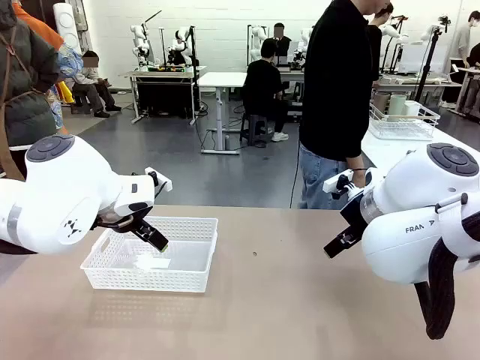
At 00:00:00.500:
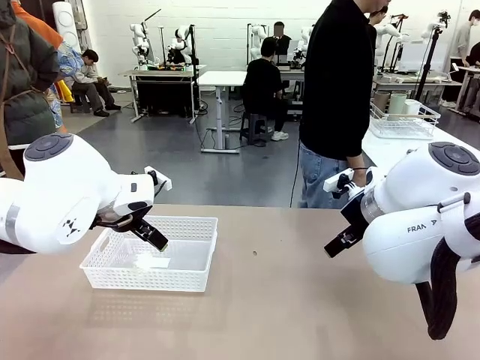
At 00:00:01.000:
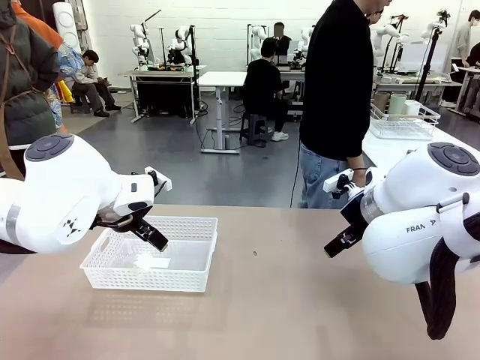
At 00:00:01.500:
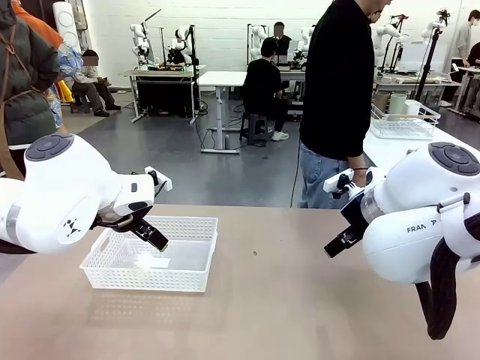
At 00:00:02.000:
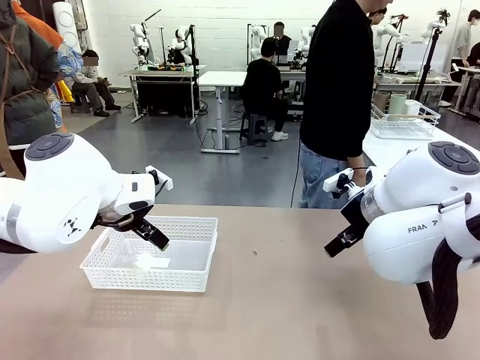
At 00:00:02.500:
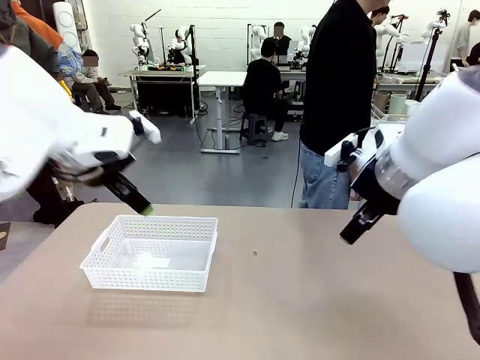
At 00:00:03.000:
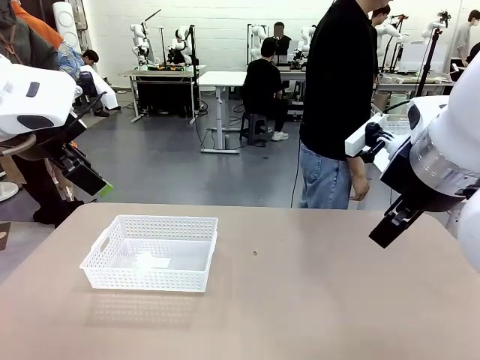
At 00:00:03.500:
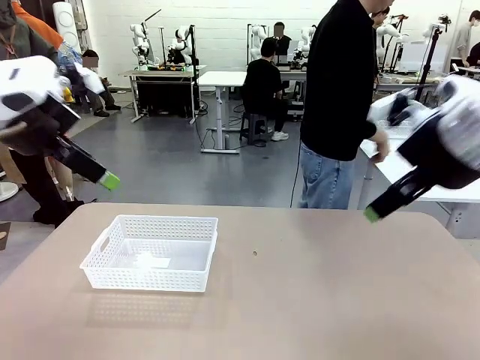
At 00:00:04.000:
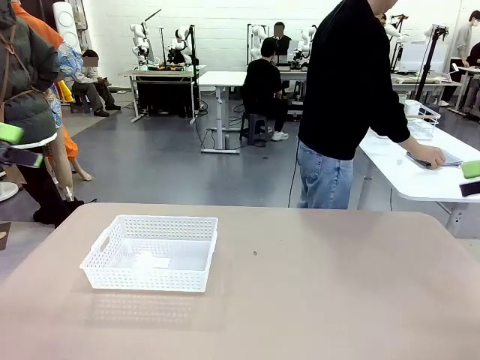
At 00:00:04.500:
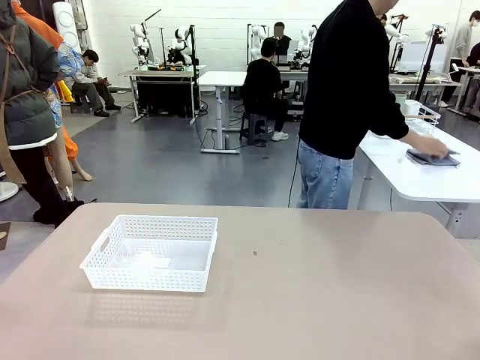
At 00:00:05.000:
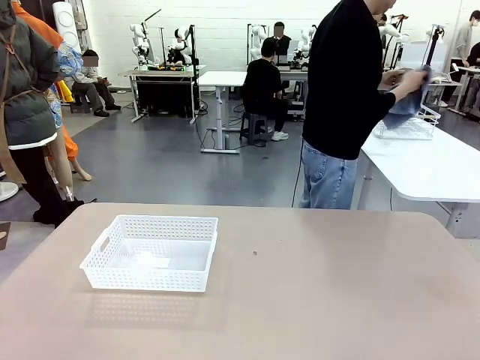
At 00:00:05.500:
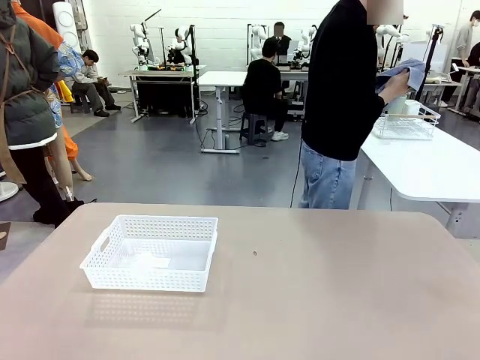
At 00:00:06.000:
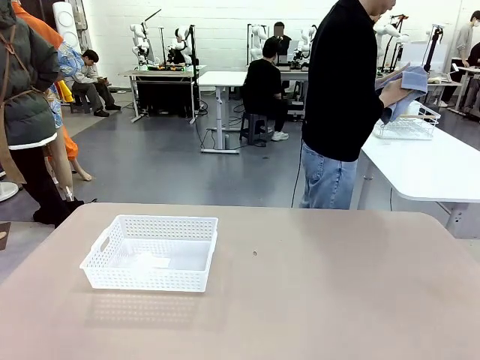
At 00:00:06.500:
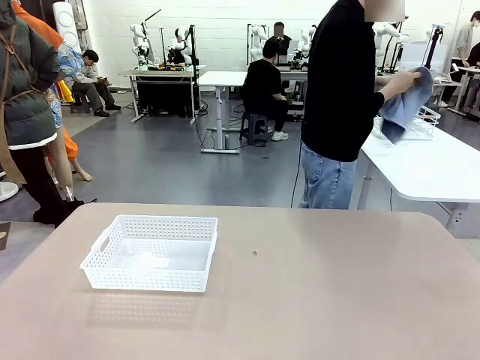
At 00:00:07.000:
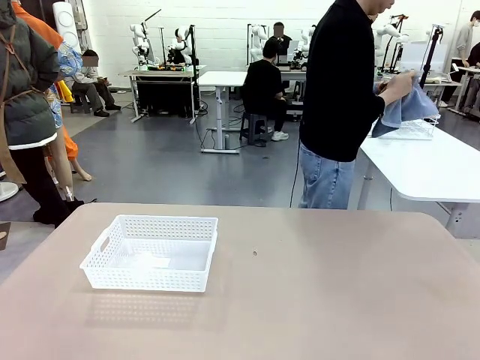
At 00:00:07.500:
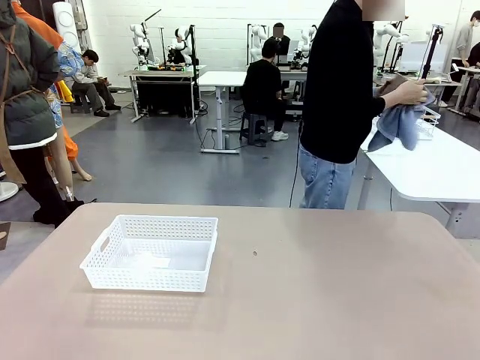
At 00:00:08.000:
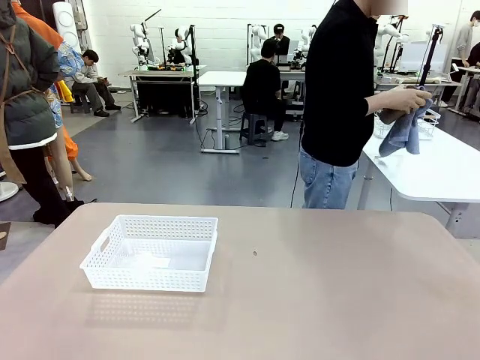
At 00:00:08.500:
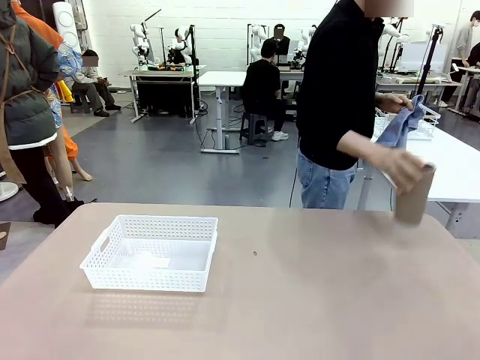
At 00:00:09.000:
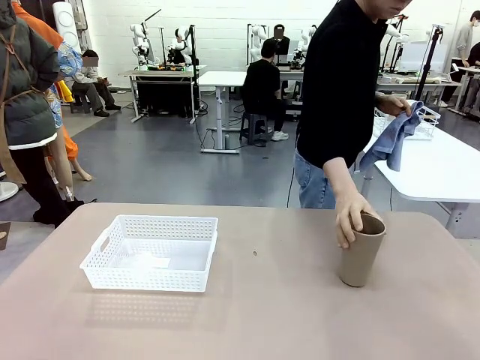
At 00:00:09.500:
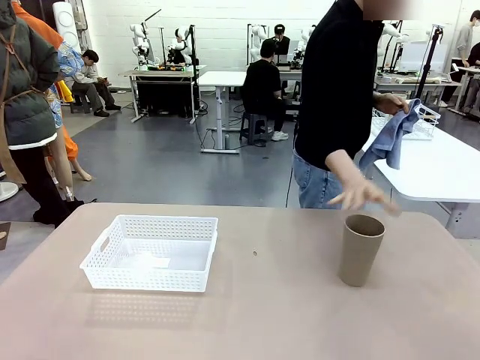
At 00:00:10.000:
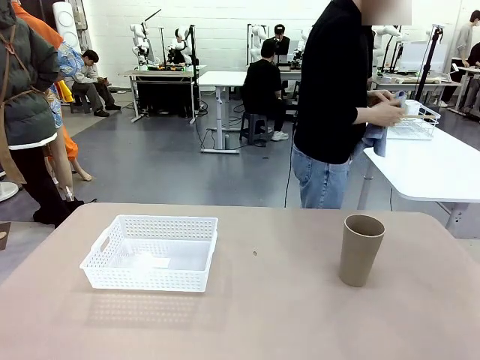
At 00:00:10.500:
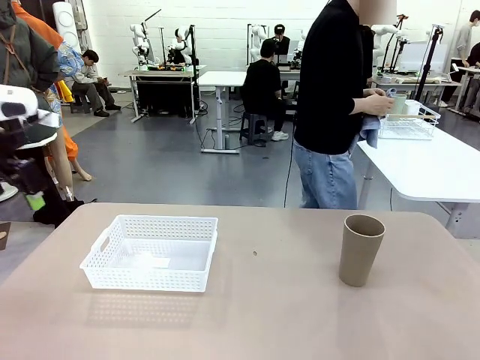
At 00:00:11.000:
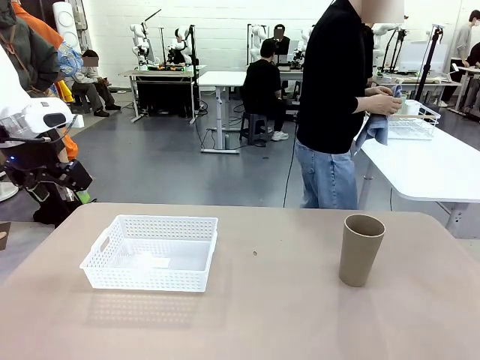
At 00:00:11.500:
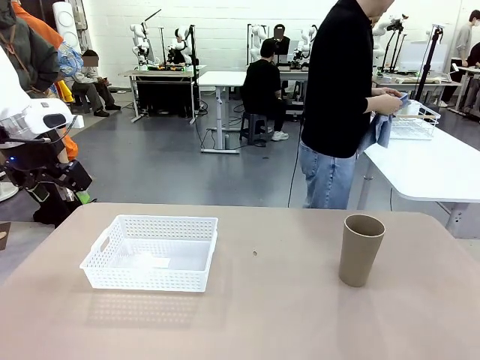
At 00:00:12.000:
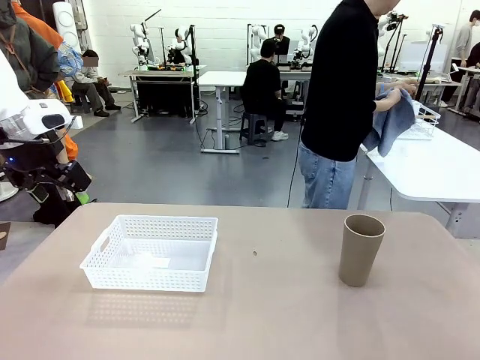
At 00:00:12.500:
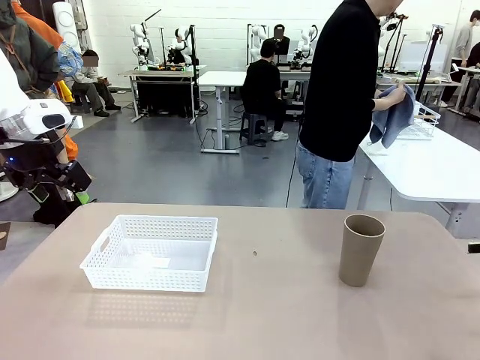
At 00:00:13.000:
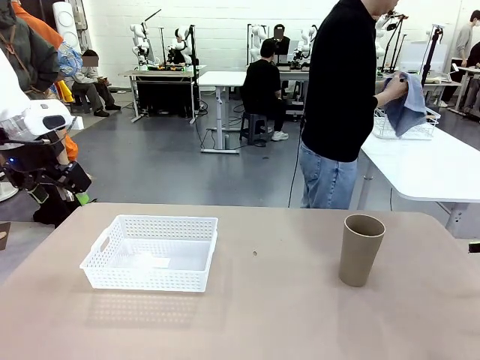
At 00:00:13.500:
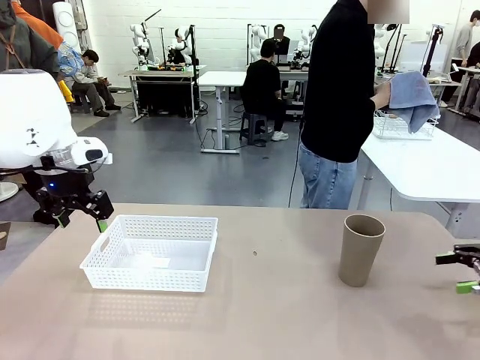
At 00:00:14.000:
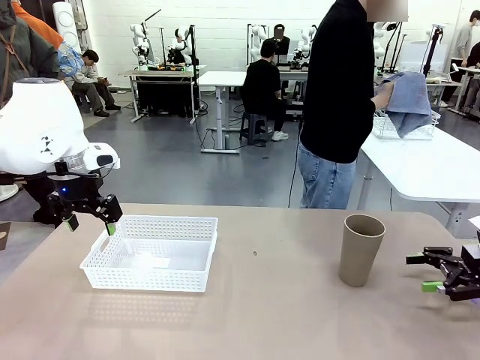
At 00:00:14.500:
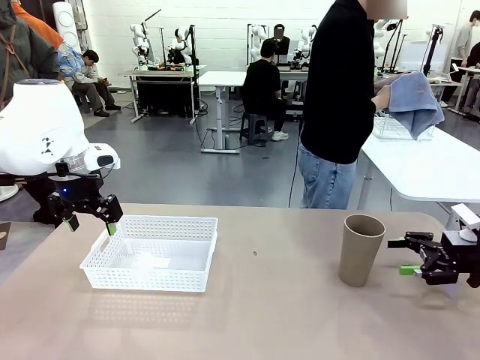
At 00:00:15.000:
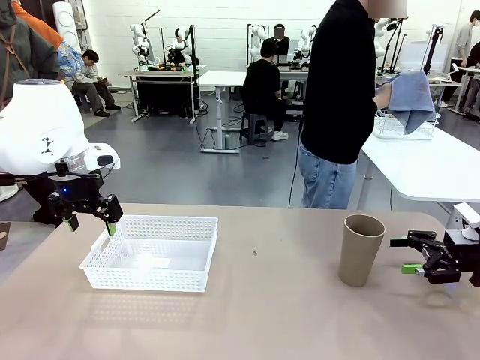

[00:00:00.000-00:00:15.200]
Task: Clean and organize the cups into the basket.
Robot: Pick up the Organizing basket and move it to the center of the table, then pick up the Reusable plastic cup from the right side of the table and place it inside the Organizing basket.
Person: Picks up a cup and a towel, cleans the cup with the towel, and places it on the left side of the robot table.

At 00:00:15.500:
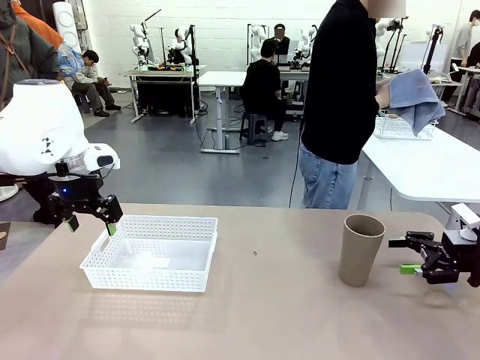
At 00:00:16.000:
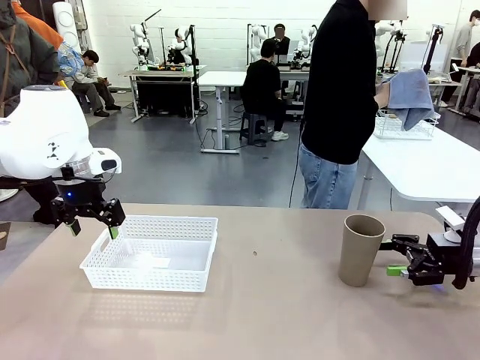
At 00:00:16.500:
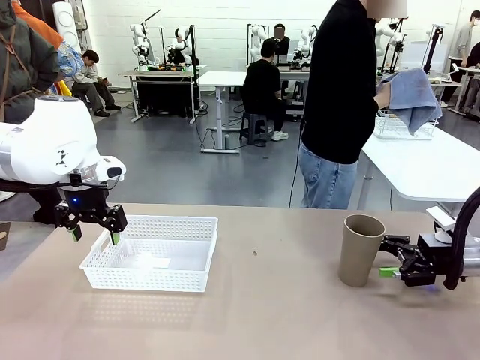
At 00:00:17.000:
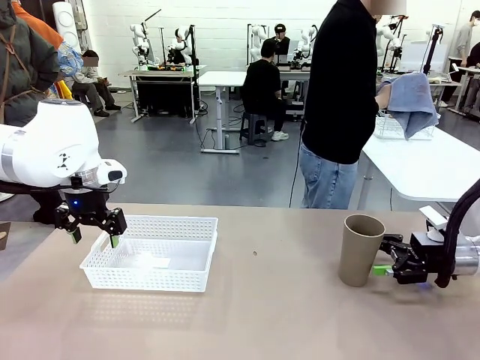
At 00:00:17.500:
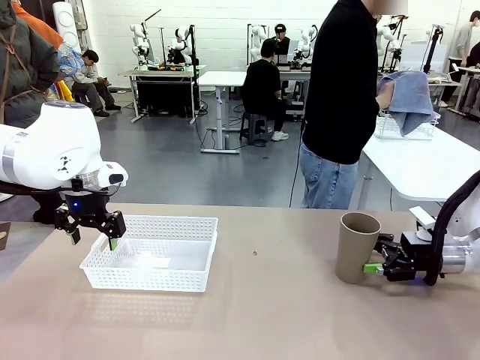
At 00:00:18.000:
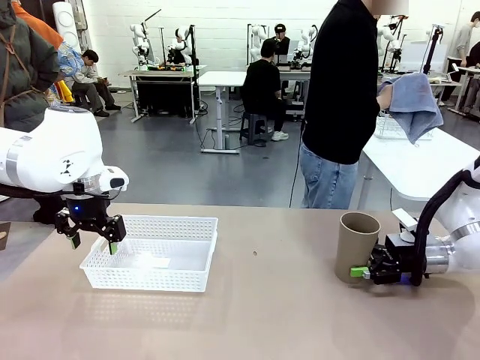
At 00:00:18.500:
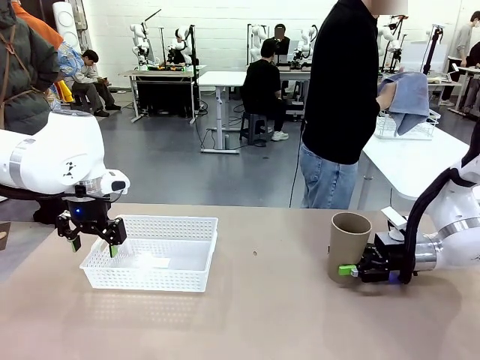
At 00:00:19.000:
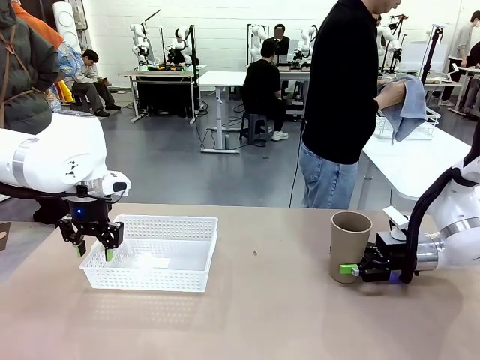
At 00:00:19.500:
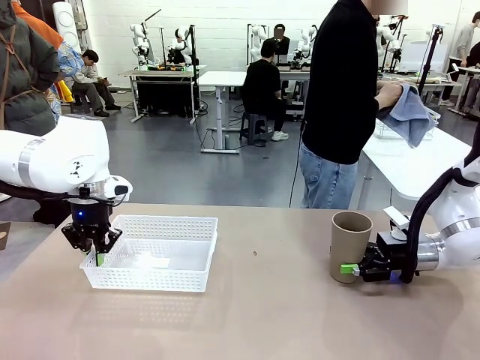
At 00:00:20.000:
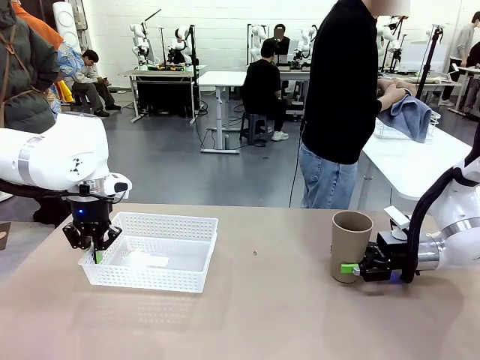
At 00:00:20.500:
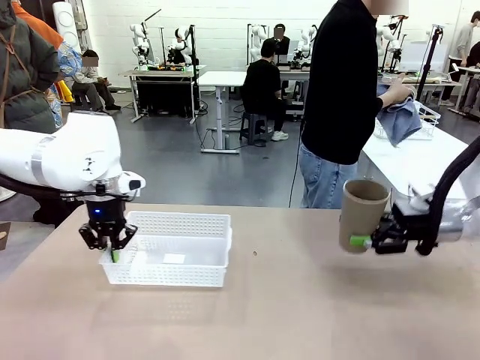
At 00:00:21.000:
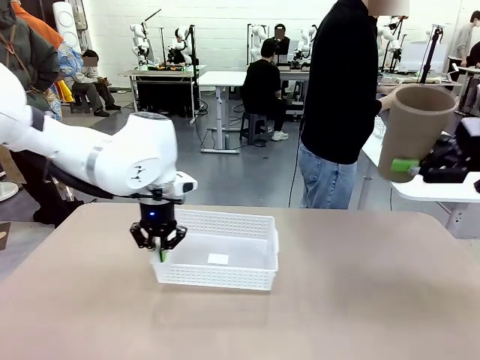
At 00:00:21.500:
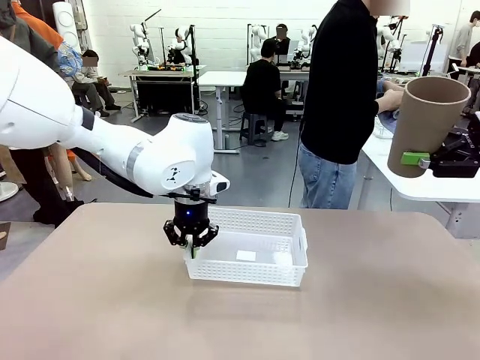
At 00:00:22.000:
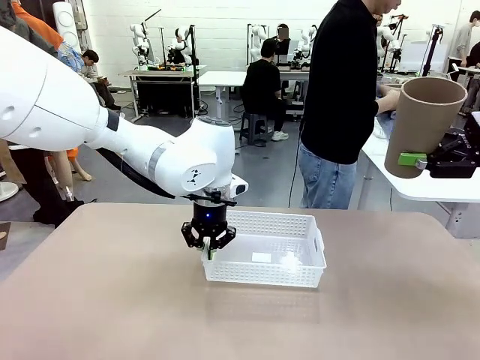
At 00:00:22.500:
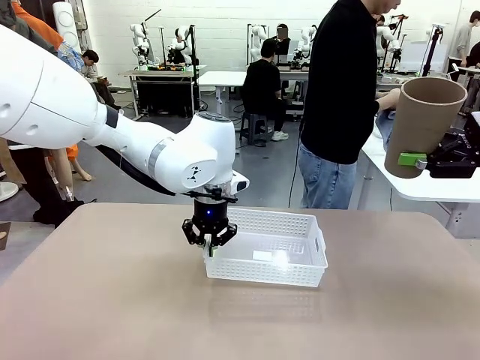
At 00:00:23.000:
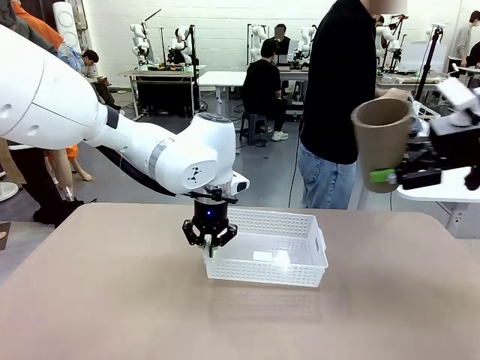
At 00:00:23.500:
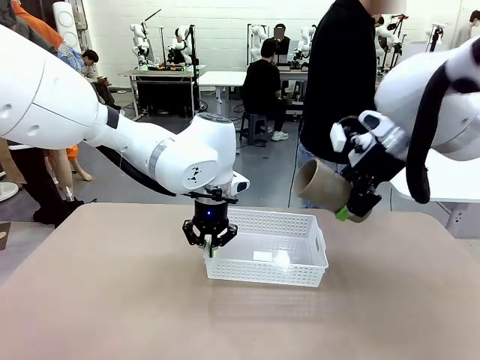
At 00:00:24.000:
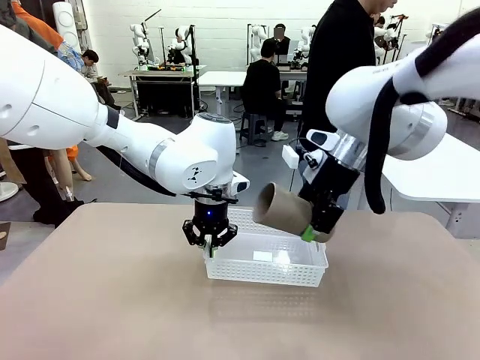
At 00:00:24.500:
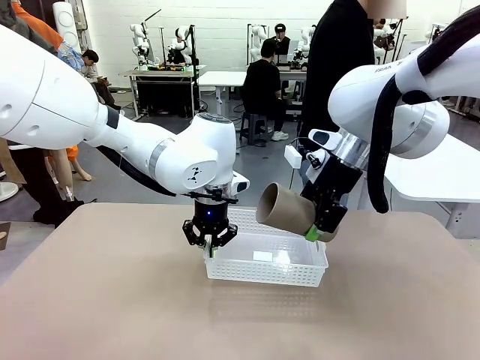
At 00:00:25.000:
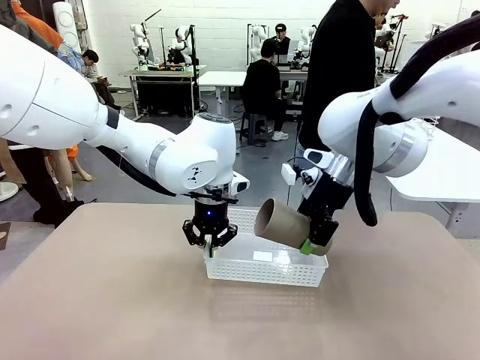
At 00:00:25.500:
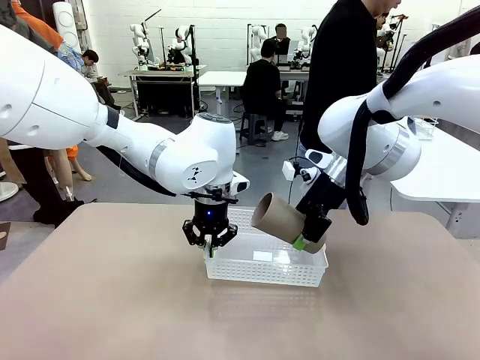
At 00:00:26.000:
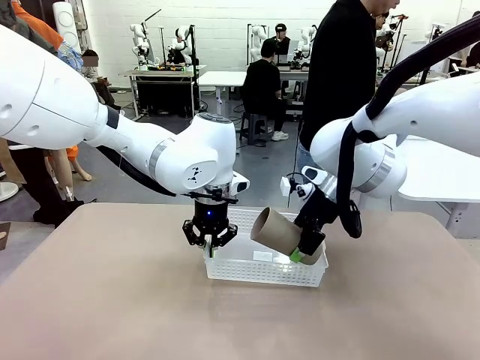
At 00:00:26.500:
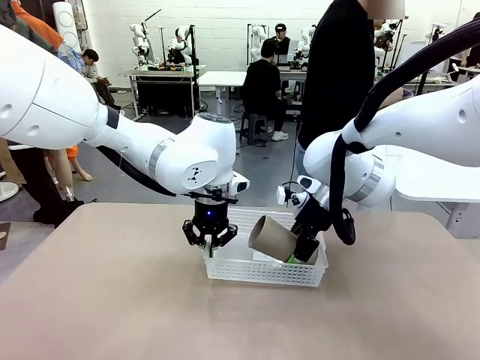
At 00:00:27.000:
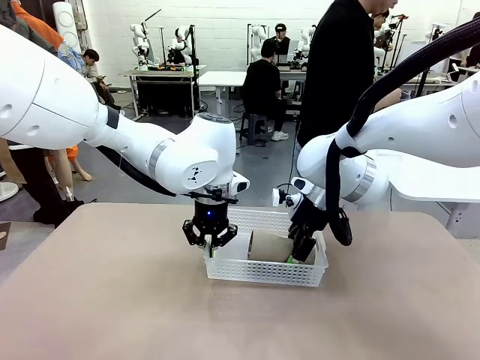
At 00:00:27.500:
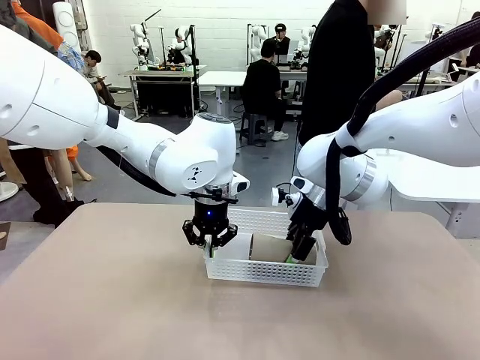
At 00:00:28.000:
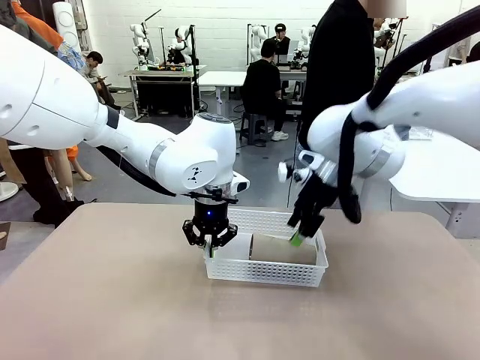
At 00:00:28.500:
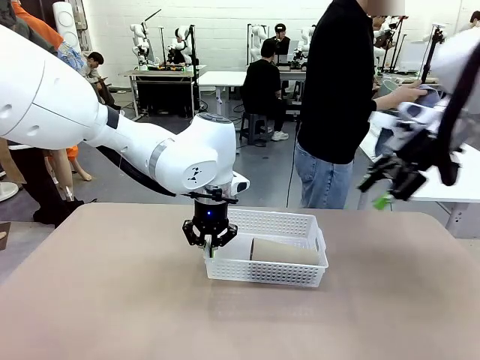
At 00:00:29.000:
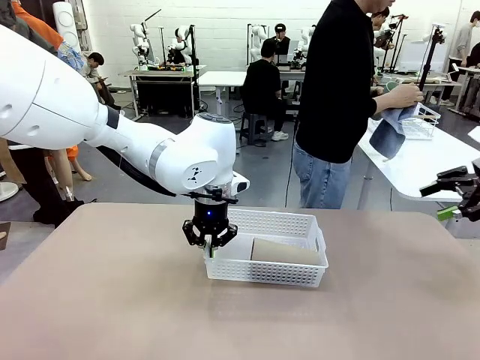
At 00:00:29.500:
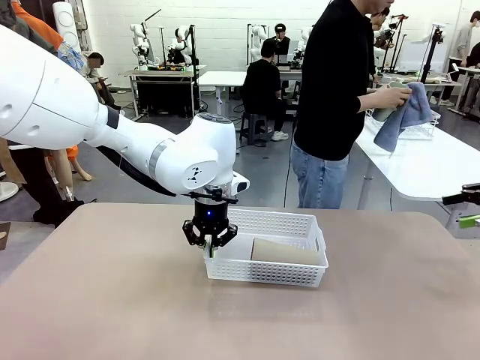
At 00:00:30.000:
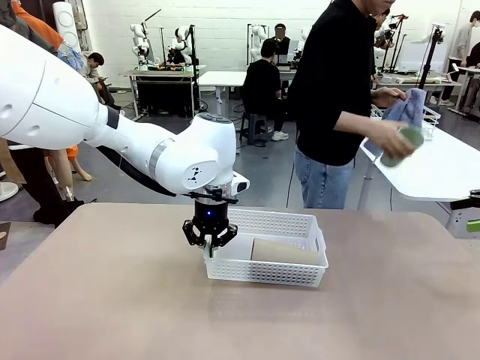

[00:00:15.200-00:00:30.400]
Robot: Pick up the Organizing basket and move it to the center of the table, then pick up the Reusable plastic cup from the right side of the table and place it inside the Organizing basket.
